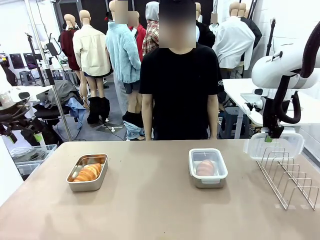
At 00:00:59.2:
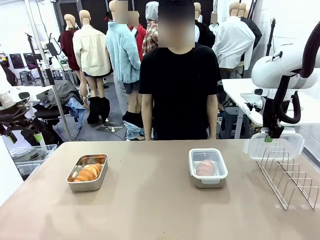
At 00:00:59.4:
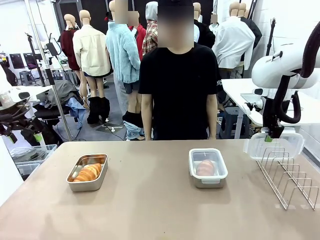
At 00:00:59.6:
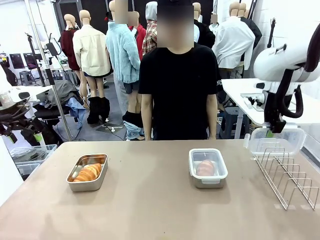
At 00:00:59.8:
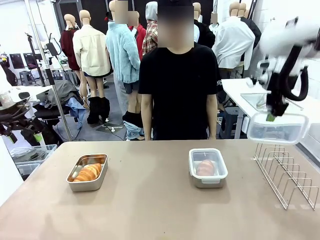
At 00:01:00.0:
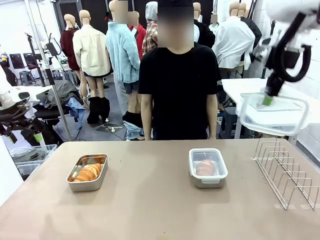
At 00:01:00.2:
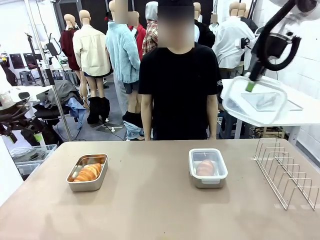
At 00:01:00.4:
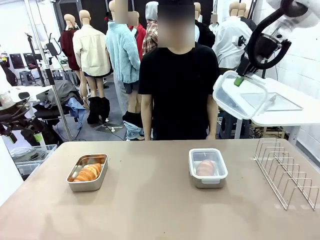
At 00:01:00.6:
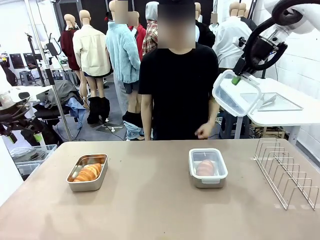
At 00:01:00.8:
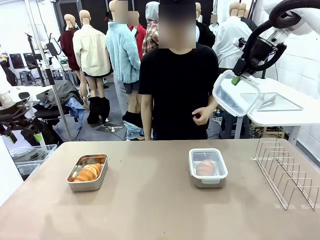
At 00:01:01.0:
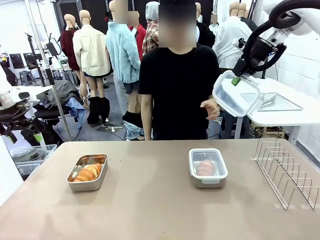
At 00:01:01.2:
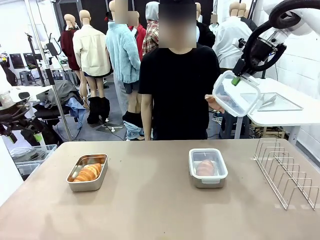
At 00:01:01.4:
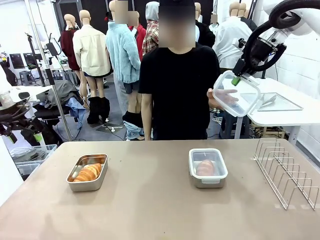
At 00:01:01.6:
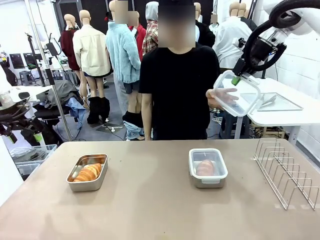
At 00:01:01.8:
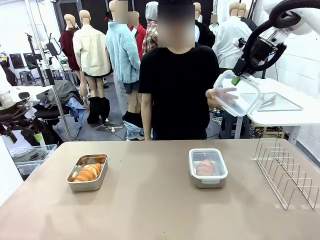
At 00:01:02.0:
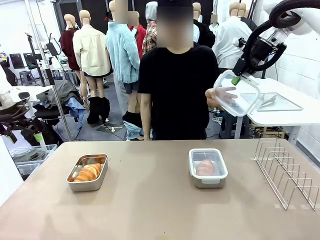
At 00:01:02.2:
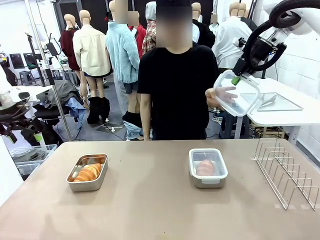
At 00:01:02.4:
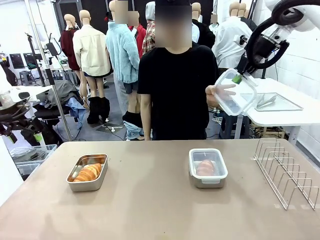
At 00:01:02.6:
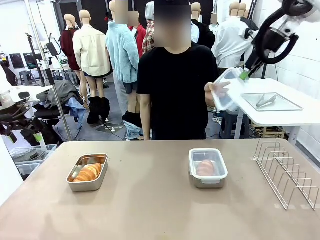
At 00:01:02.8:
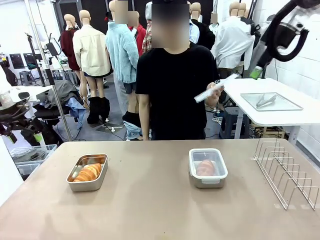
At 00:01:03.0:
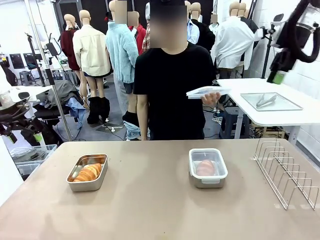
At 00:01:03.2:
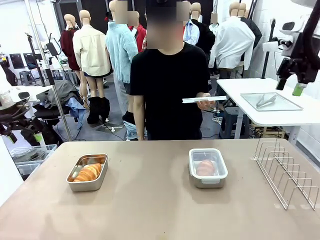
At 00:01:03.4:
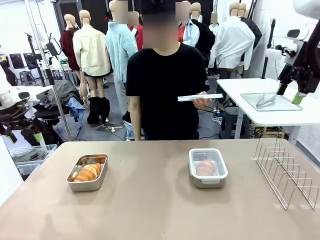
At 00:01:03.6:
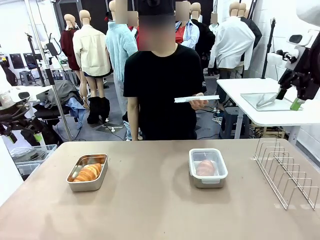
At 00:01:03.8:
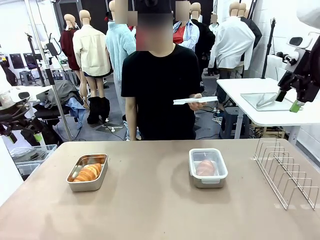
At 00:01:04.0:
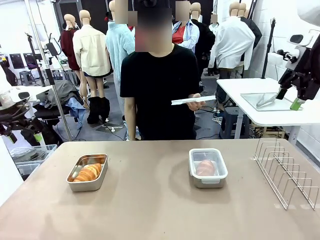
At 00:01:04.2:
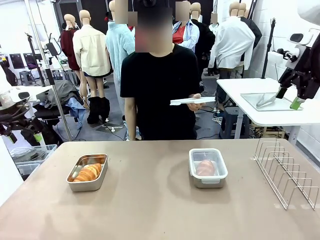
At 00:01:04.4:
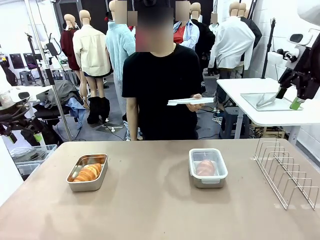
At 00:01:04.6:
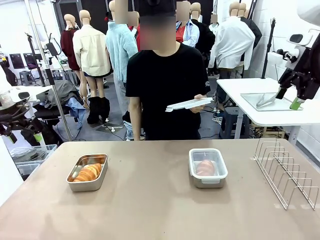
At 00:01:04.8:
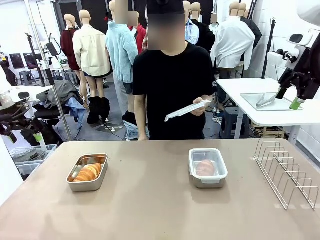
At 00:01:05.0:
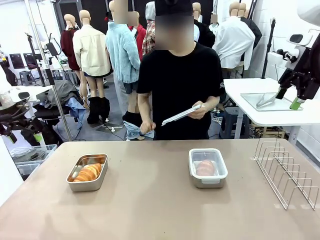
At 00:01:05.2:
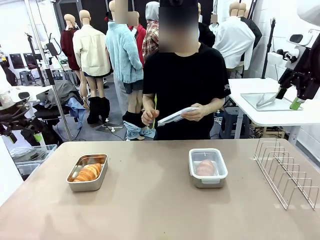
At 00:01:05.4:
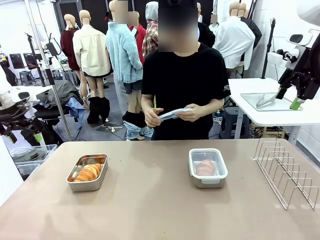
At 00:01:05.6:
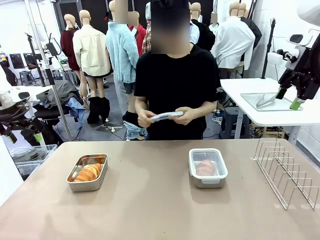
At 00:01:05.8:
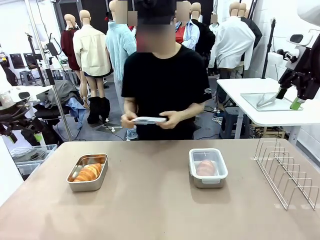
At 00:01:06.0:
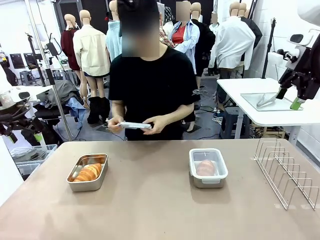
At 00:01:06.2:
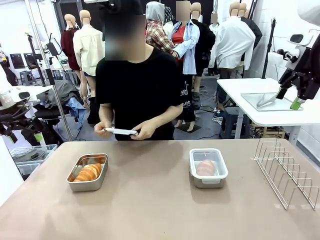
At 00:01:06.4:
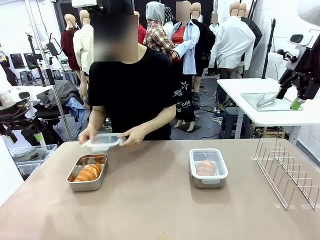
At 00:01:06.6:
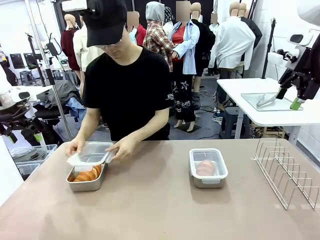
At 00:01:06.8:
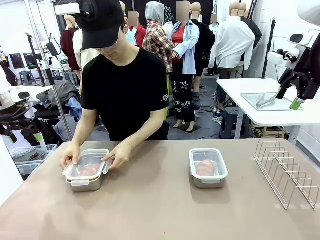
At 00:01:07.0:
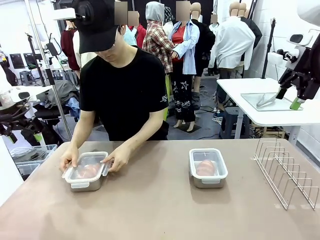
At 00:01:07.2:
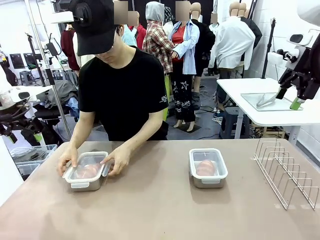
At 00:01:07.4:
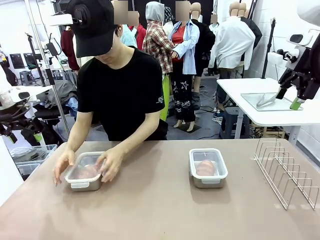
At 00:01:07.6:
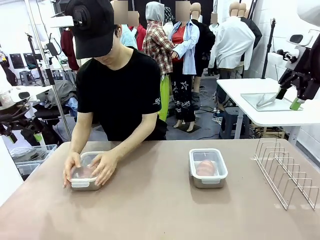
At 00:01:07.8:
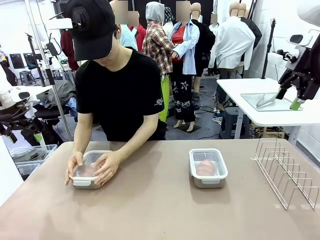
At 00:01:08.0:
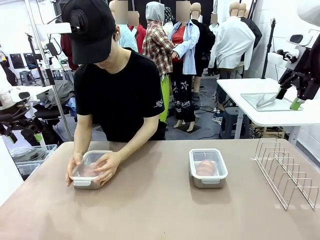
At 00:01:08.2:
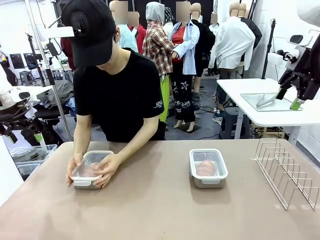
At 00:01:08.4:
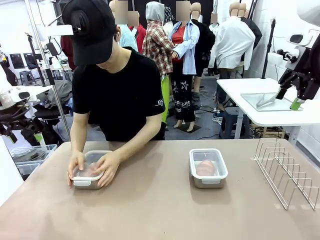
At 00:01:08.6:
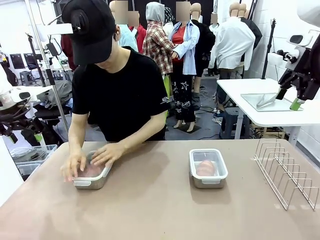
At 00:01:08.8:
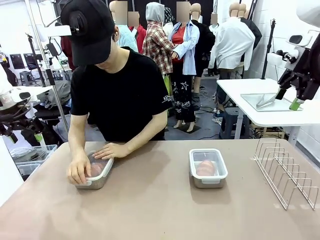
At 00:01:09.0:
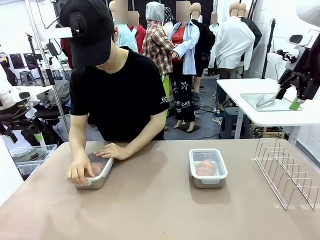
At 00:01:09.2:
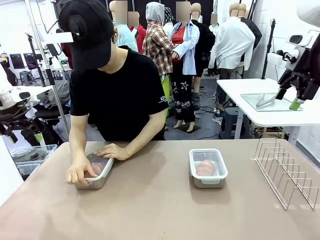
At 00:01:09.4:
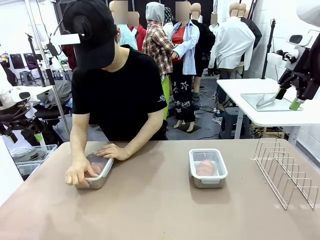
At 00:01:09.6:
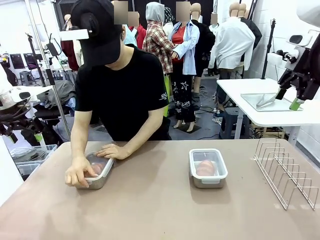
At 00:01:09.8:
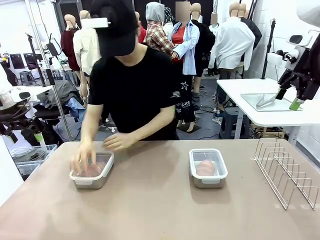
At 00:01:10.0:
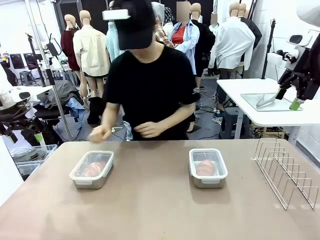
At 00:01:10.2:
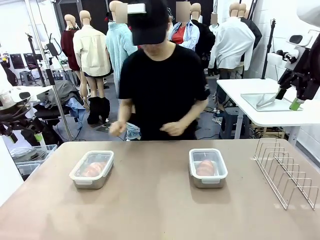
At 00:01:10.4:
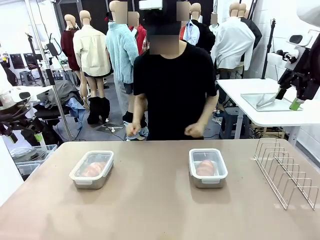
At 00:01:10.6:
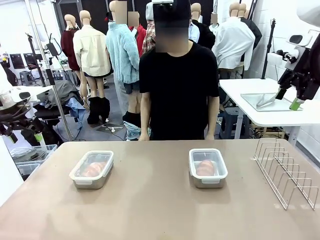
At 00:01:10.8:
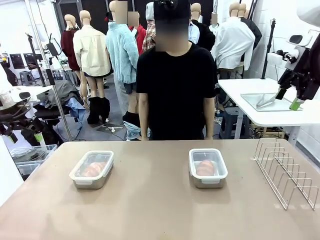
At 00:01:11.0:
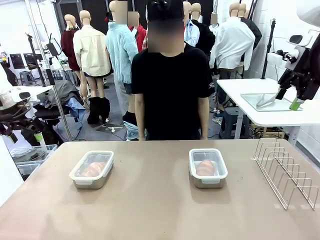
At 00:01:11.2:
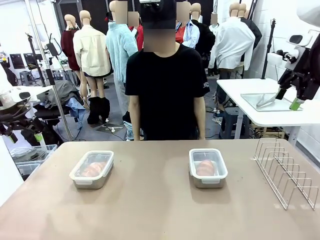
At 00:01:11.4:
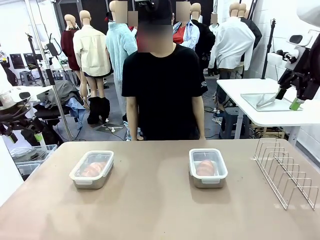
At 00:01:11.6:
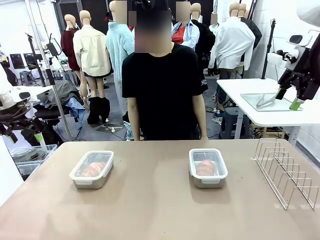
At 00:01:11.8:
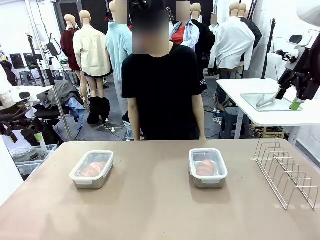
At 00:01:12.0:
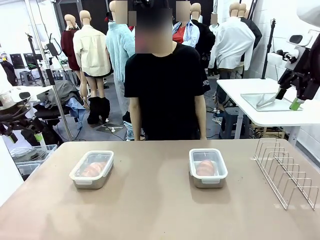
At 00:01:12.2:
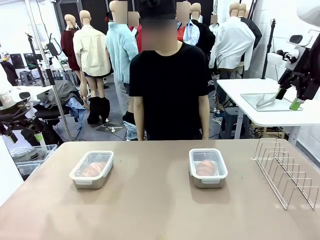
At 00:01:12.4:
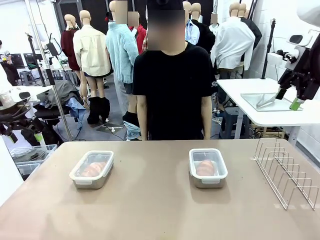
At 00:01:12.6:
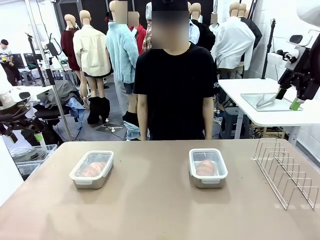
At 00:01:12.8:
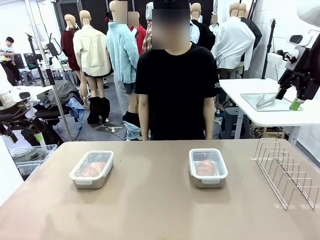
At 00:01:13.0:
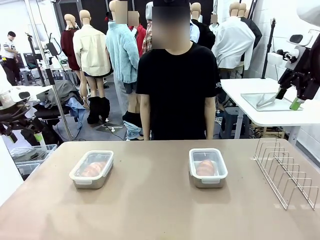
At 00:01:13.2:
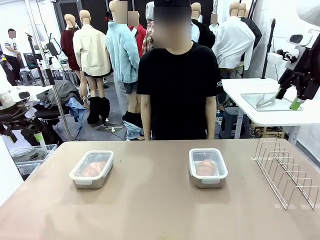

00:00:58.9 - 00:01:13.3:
Task: Place the bread in airtight containers.
Robot: Release when the human grabs the Airtight Container lid.
Person: Grip Airtight Container lid that robot is handing. Close Airtight Container with a handed Airtight Container lid.
